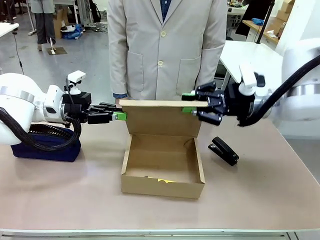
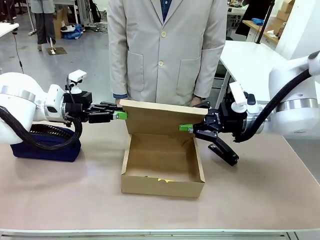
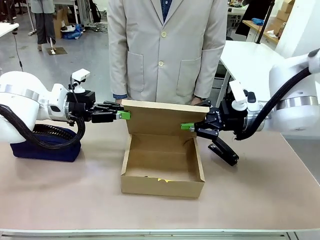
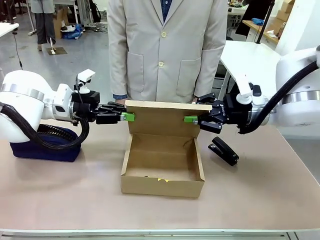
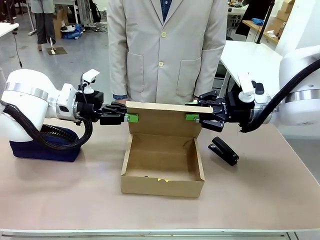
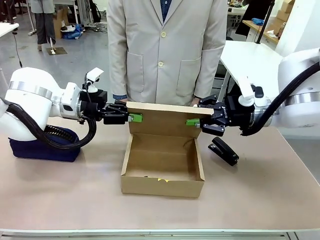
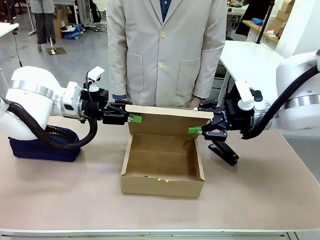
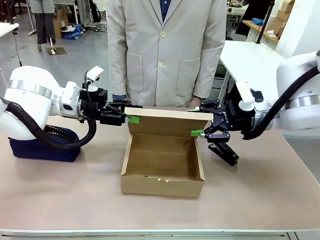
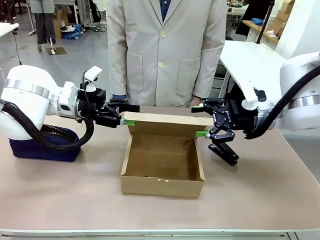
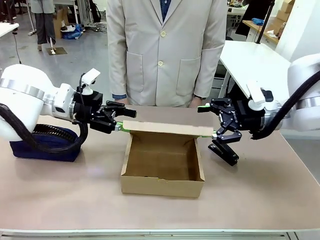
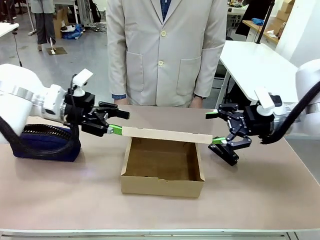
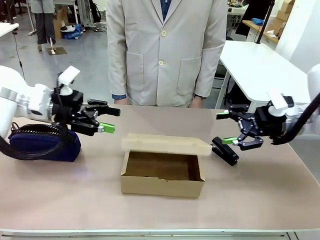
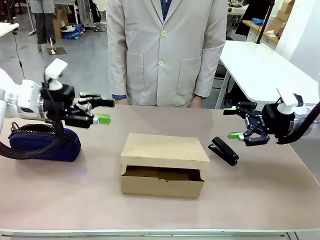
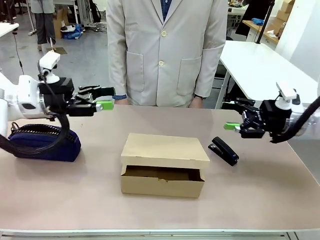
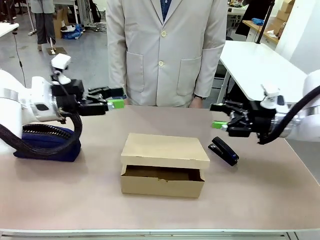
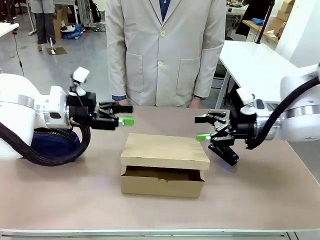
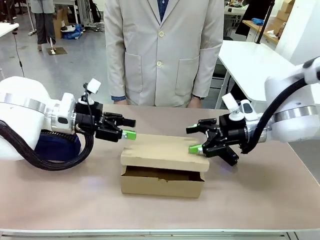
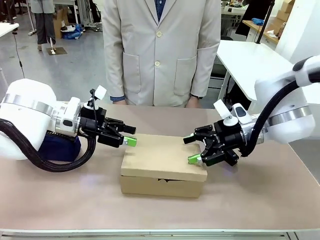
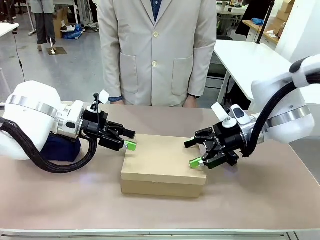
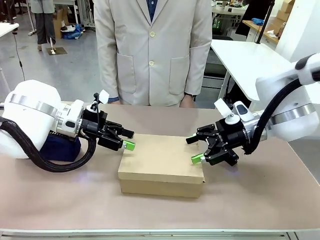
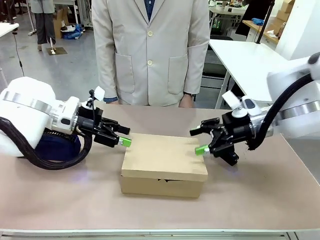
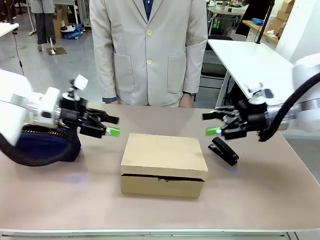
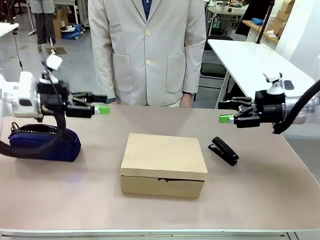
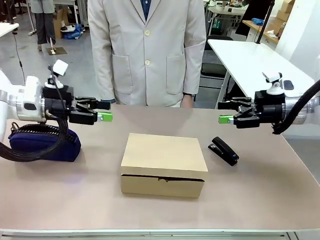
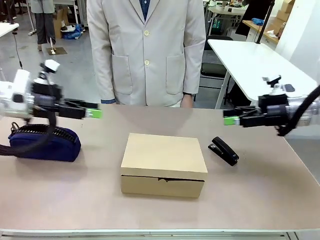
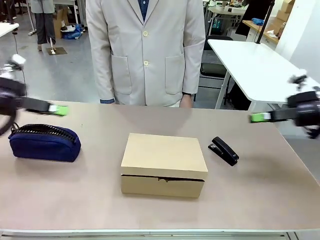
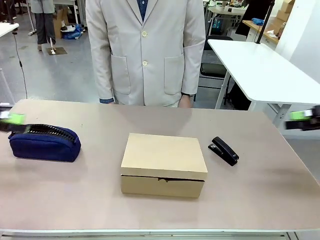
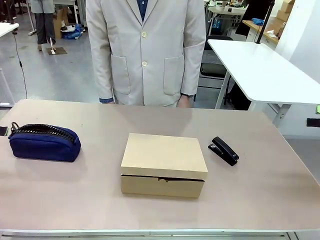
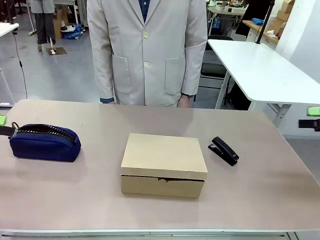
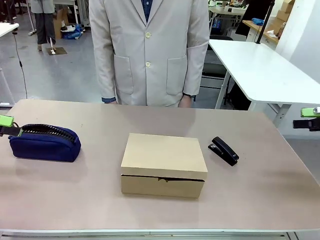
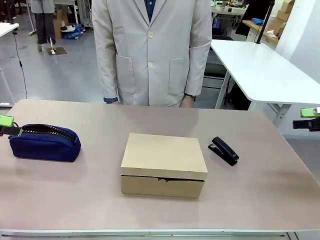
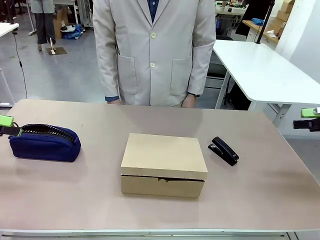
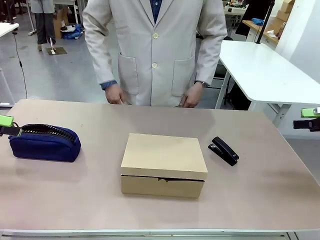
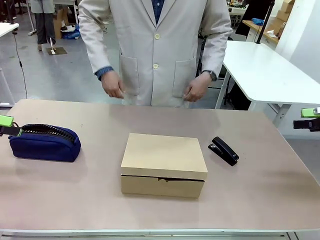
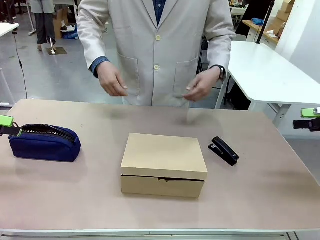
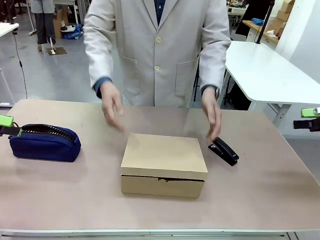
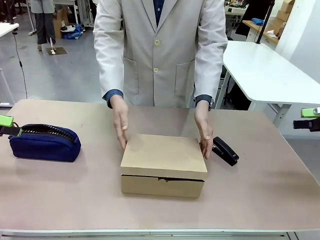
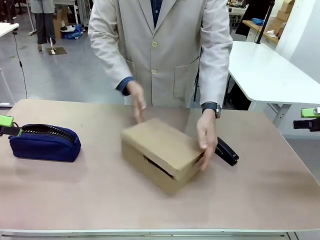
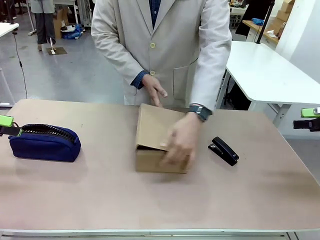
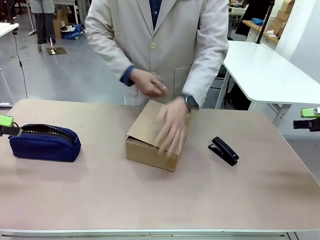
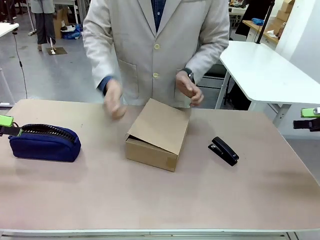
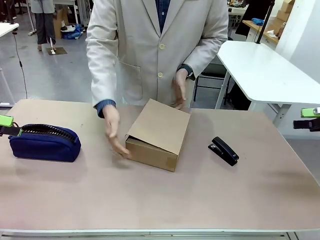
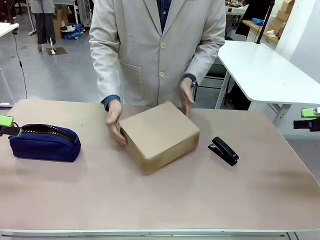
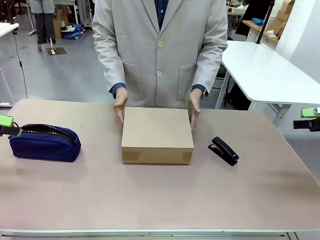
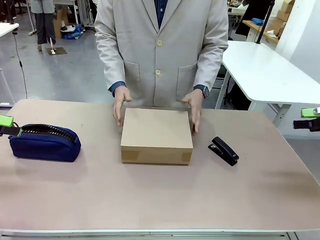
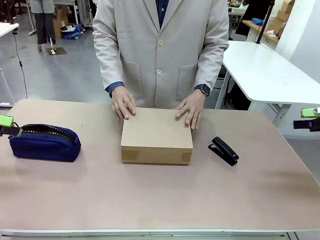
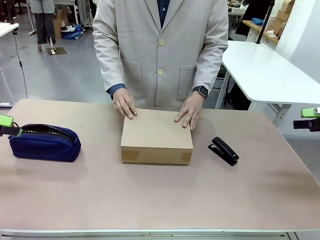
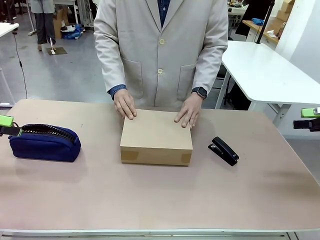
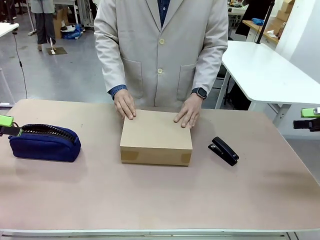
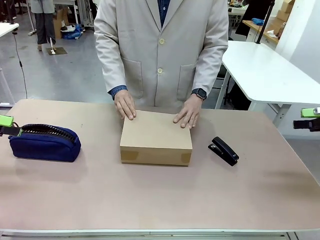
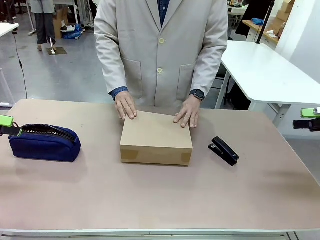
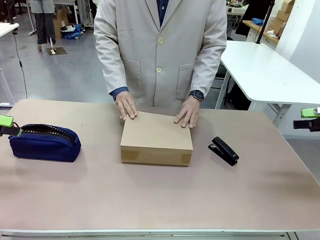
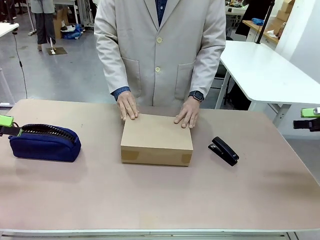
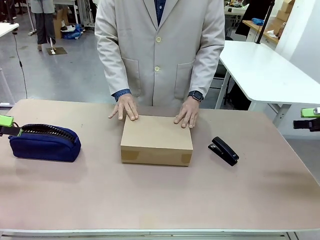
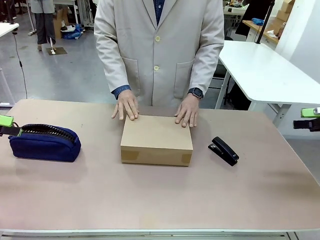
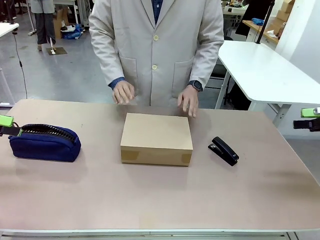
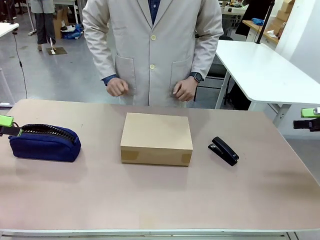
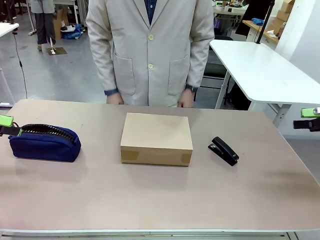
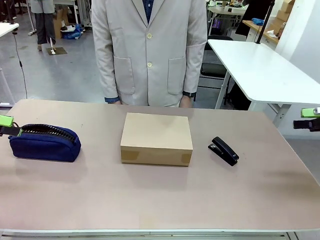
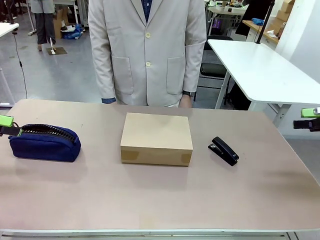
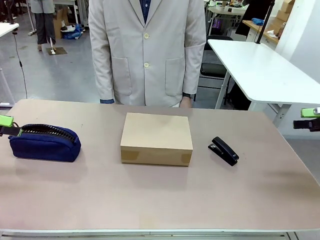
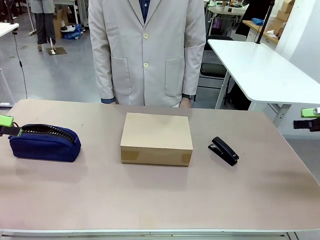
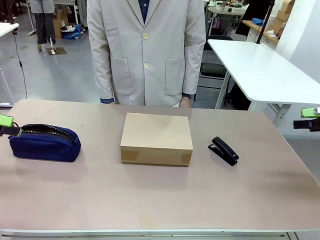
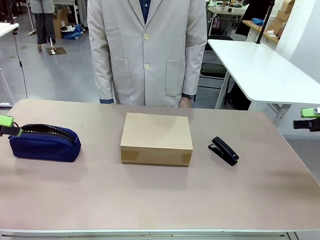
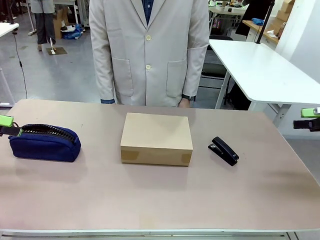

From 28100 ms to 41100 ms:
Task: Pack the item into the box.
Robot: Close the Mailer Box.
Person: Turn the box and lock it.

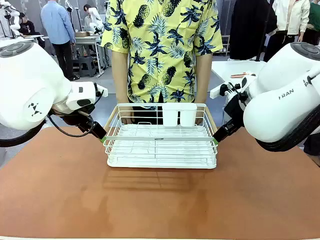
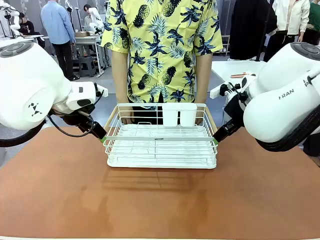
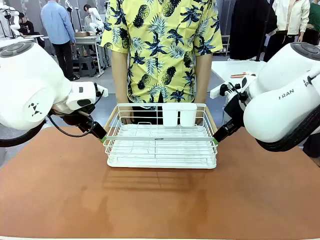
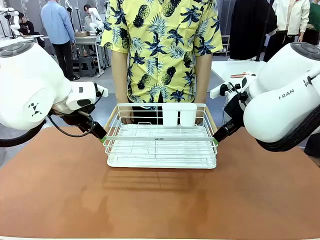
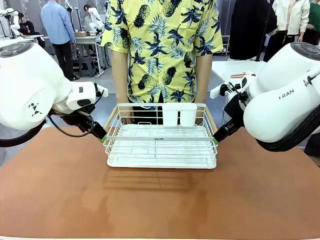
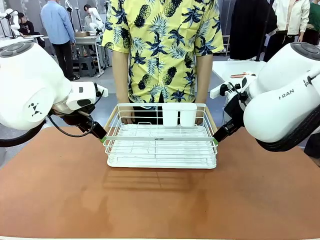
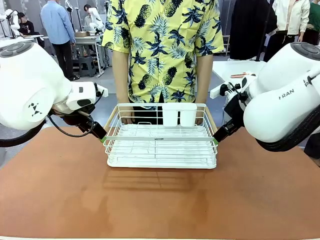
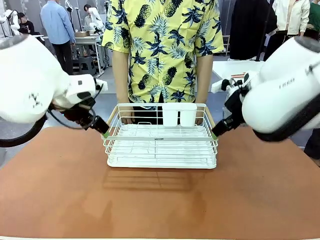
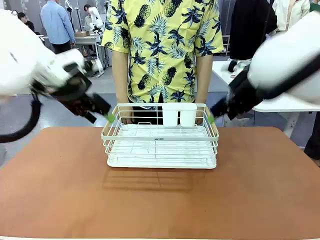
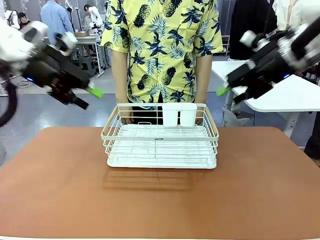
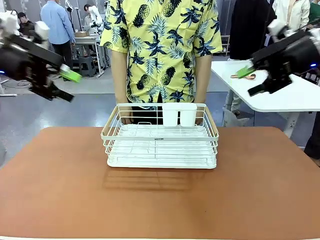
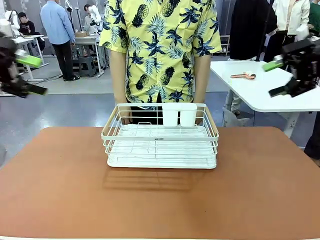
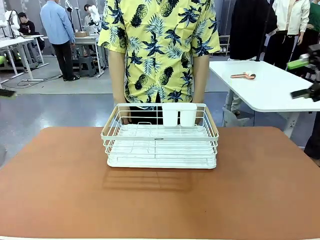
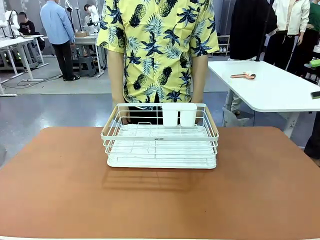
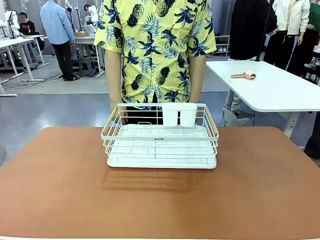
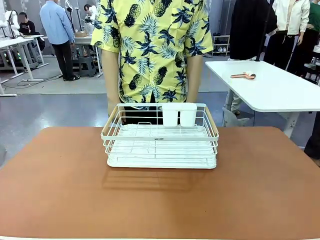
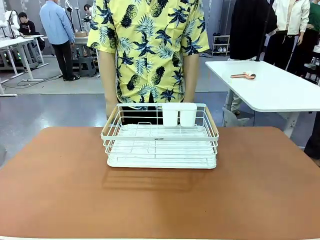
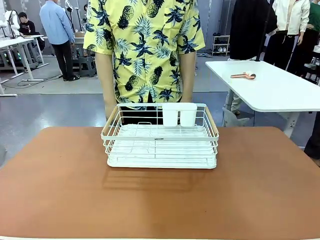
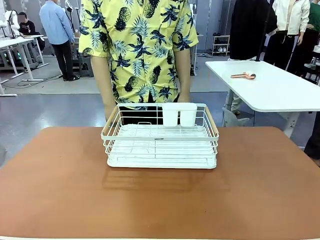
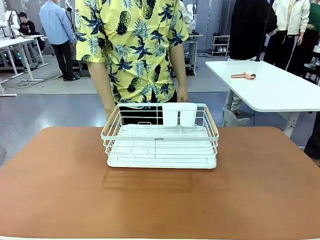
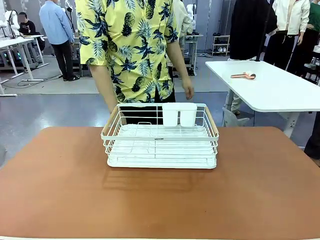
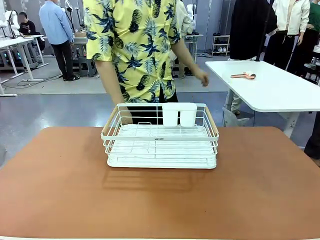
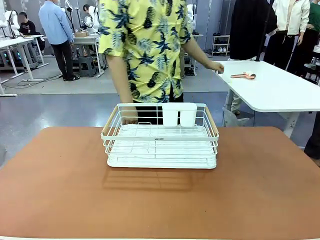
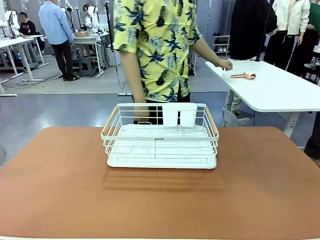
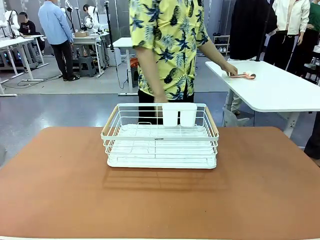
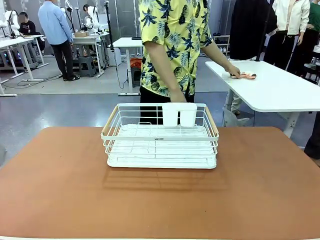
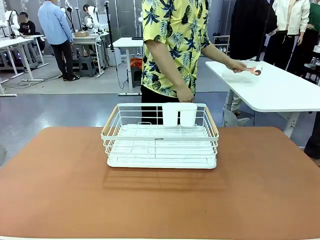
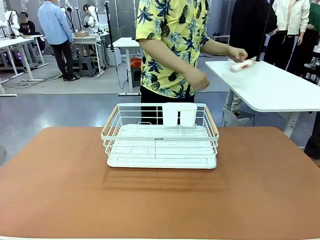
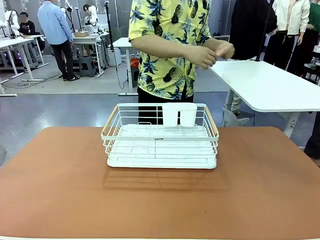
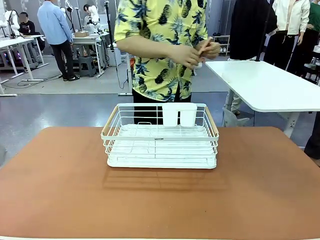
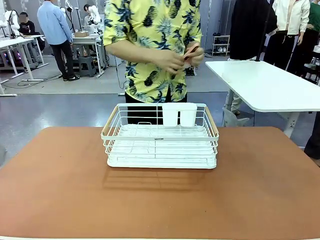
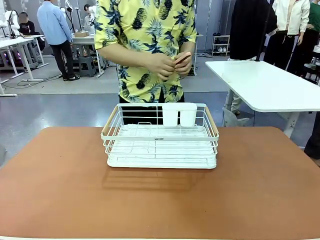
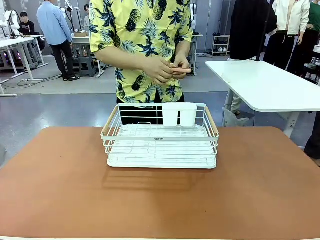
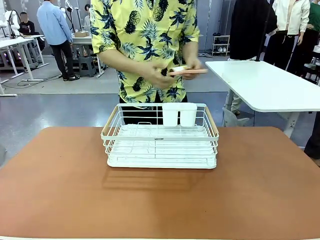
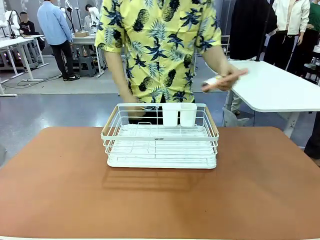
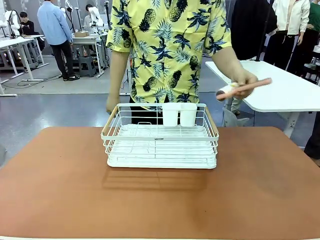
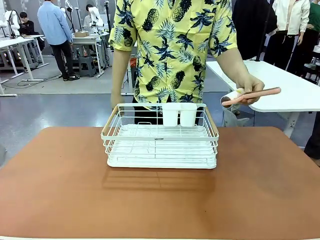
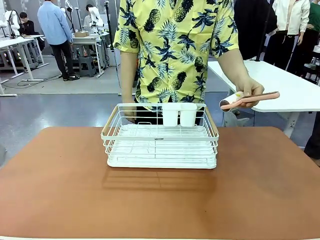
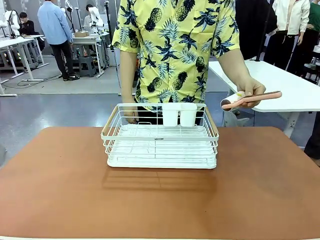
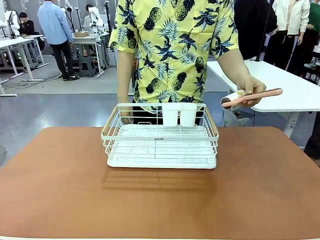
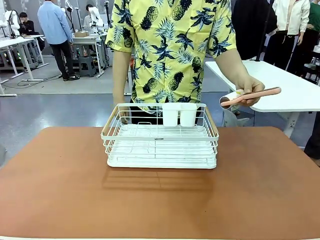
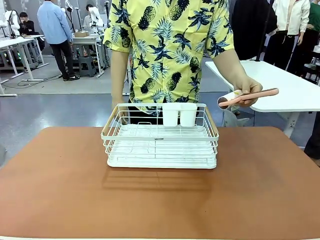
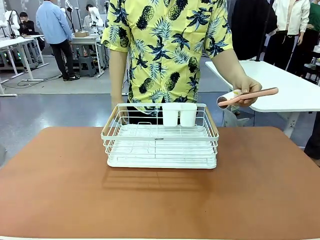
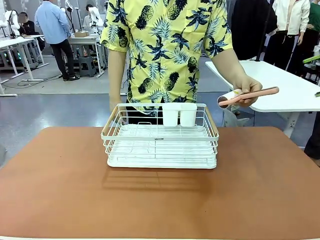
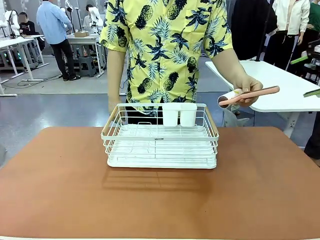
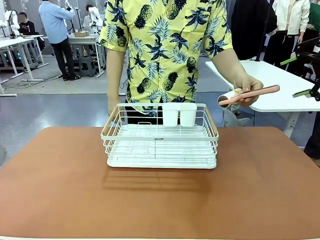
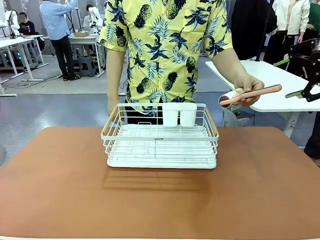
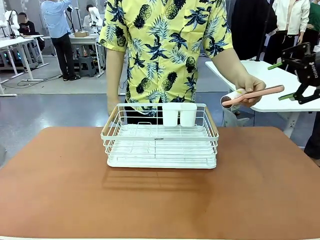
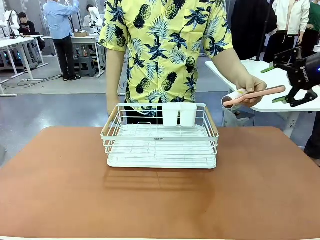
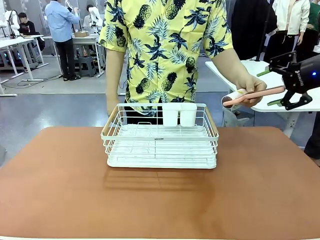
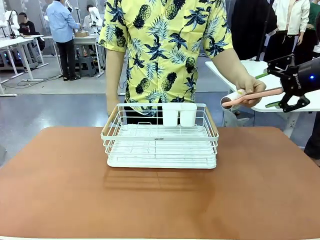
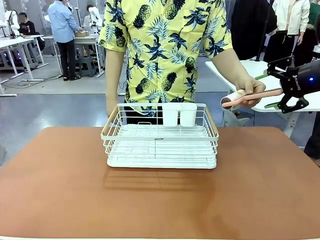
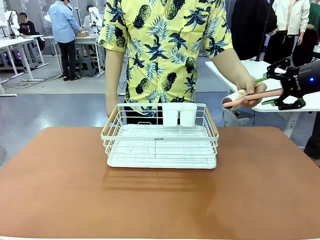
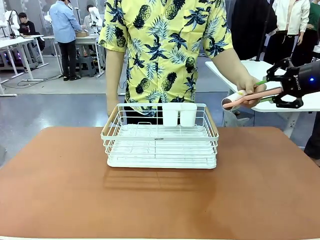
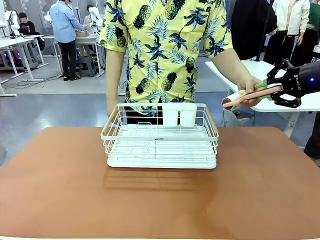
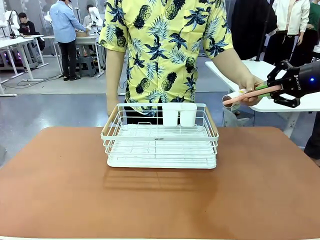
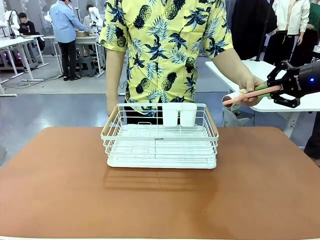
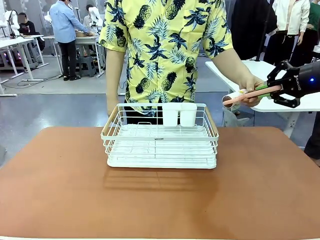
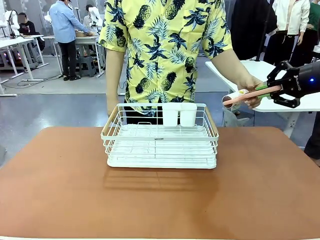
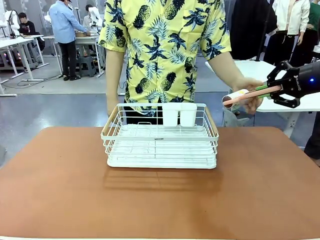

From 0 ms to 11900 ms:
Task: Clean the table.
Robot: Pick up the Lint Roller when the human hands it over.
Person: Hand the Lint Roller to the robot so it can easily pick it up. Lift the Dish drying rack.
